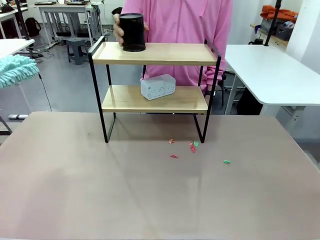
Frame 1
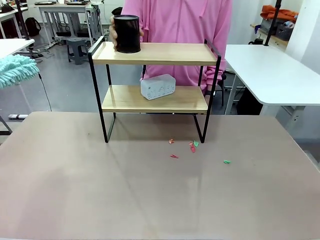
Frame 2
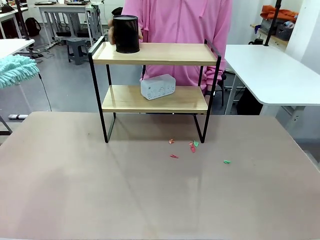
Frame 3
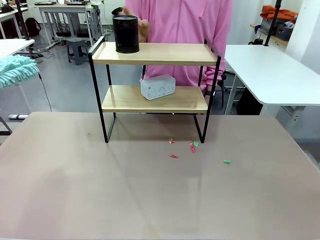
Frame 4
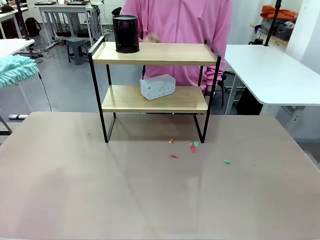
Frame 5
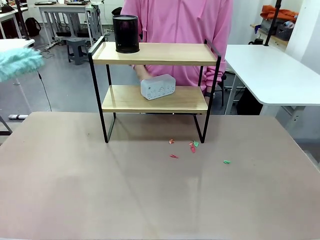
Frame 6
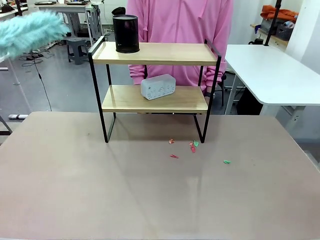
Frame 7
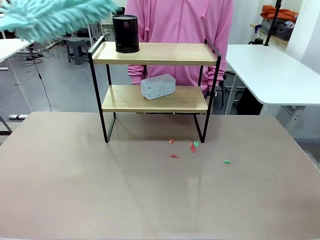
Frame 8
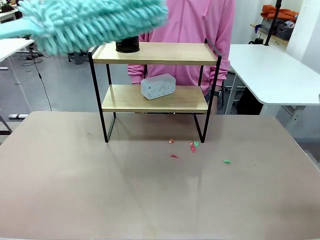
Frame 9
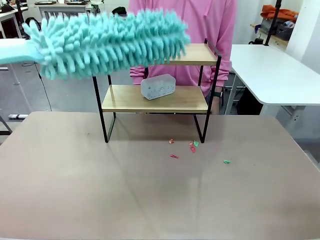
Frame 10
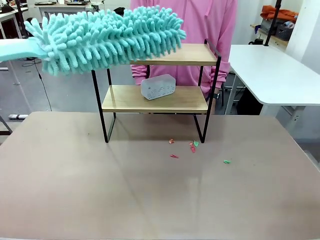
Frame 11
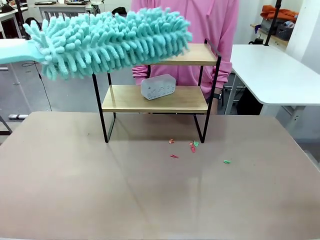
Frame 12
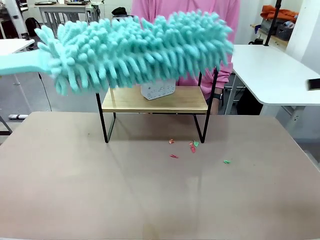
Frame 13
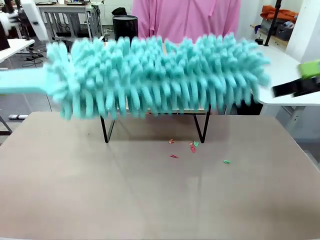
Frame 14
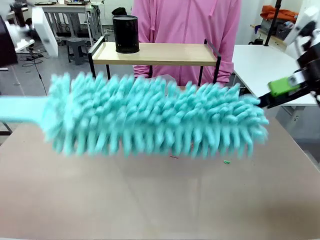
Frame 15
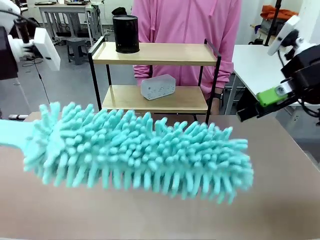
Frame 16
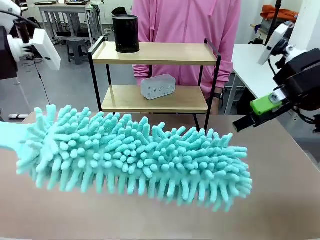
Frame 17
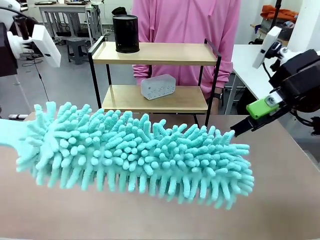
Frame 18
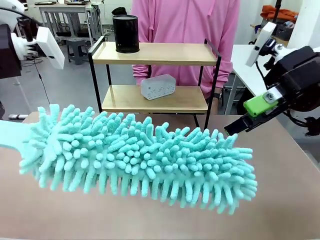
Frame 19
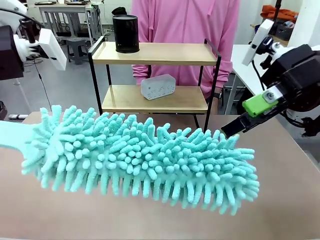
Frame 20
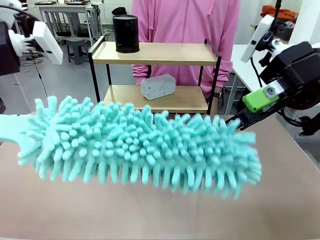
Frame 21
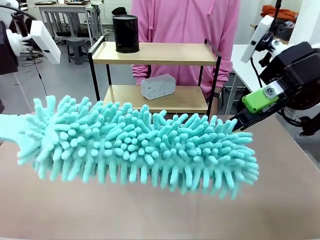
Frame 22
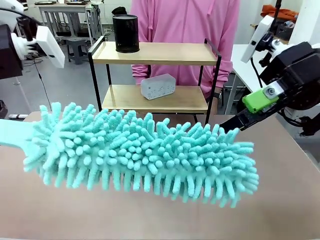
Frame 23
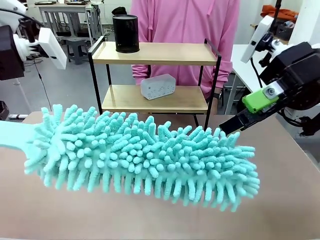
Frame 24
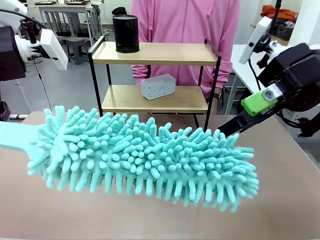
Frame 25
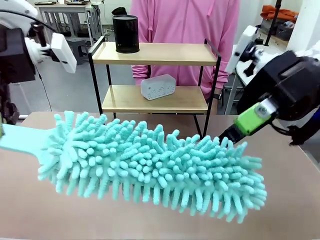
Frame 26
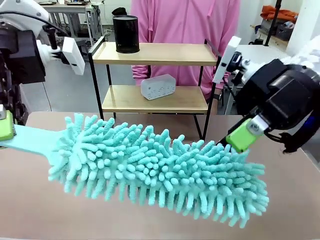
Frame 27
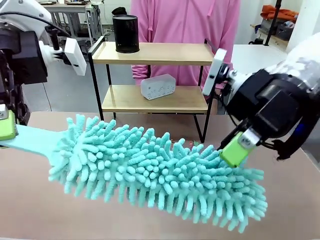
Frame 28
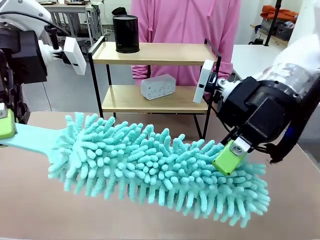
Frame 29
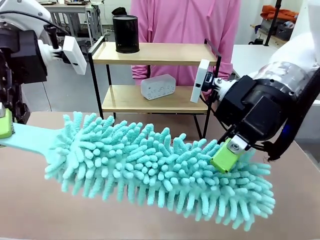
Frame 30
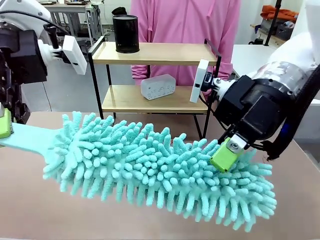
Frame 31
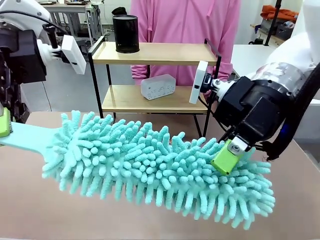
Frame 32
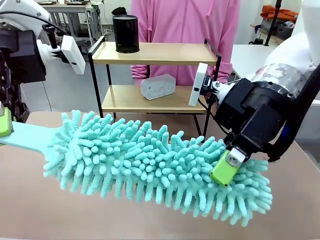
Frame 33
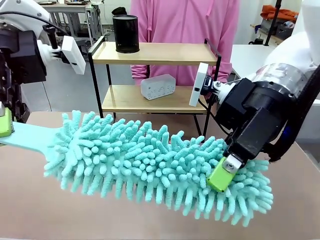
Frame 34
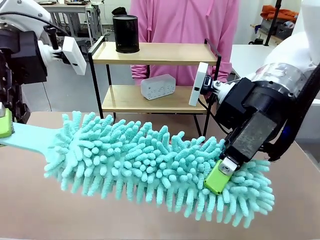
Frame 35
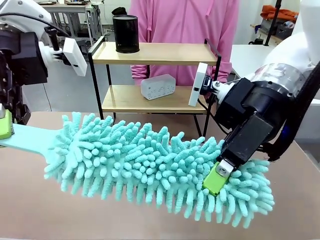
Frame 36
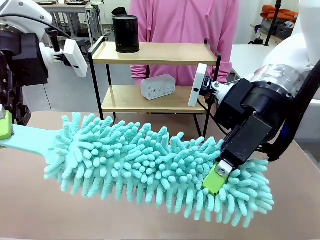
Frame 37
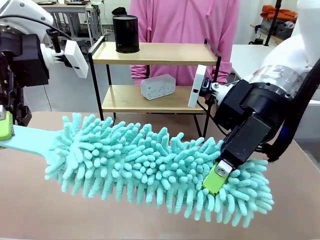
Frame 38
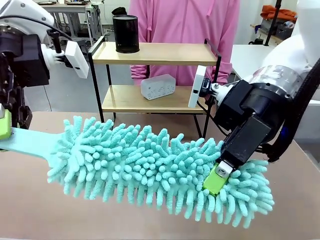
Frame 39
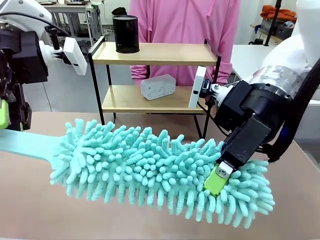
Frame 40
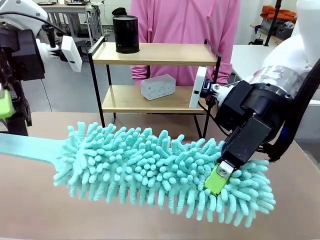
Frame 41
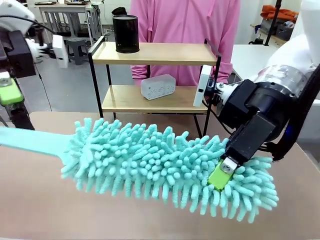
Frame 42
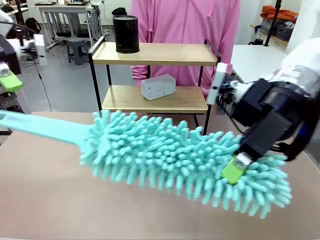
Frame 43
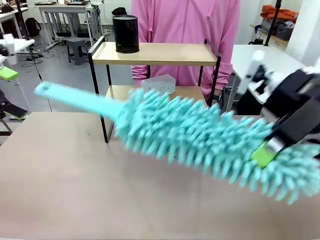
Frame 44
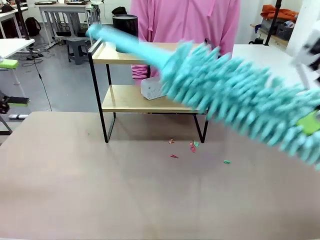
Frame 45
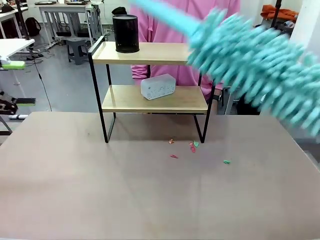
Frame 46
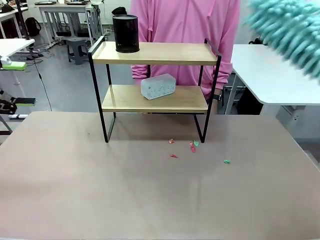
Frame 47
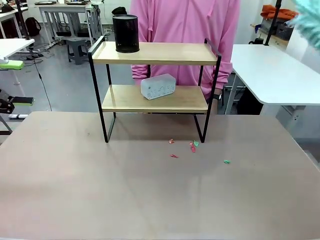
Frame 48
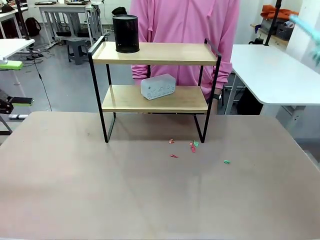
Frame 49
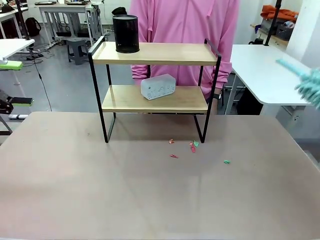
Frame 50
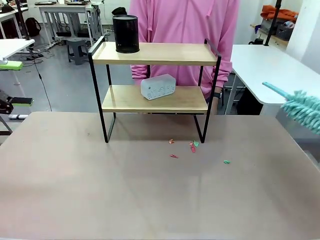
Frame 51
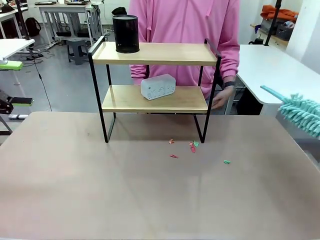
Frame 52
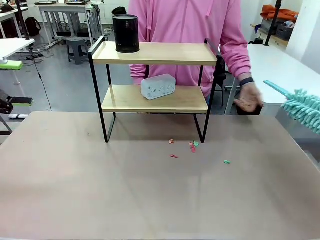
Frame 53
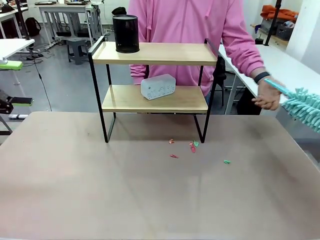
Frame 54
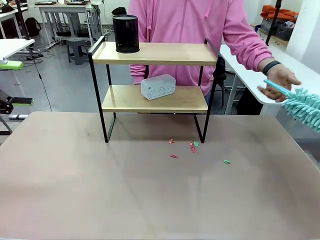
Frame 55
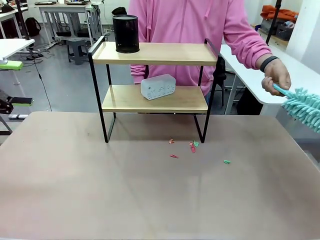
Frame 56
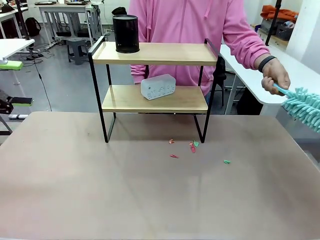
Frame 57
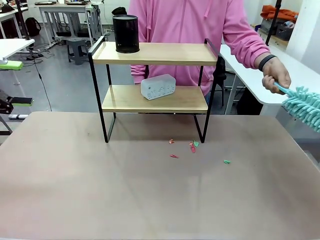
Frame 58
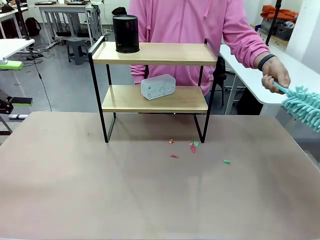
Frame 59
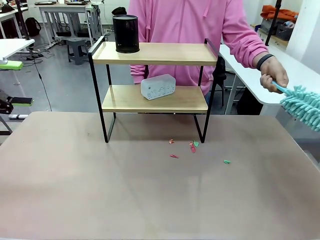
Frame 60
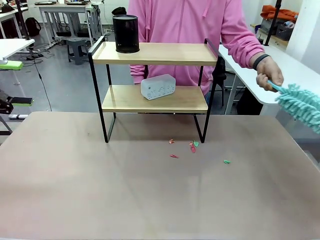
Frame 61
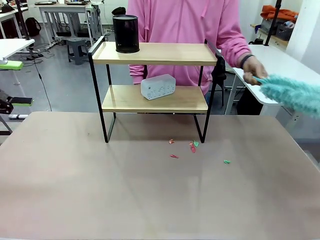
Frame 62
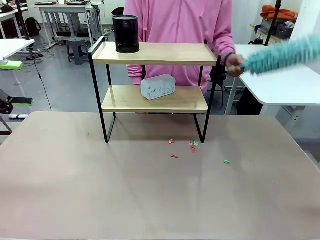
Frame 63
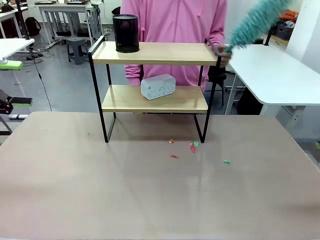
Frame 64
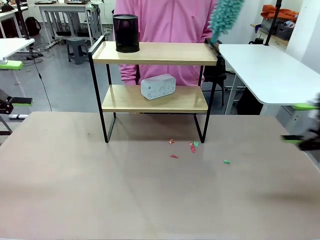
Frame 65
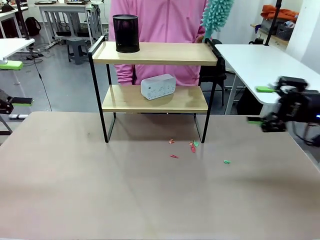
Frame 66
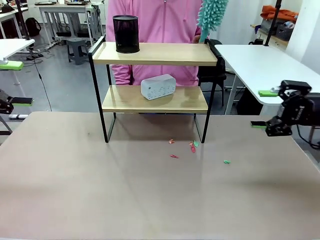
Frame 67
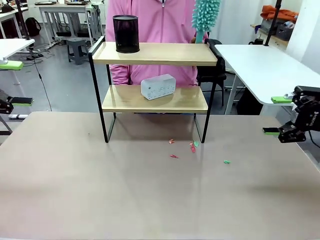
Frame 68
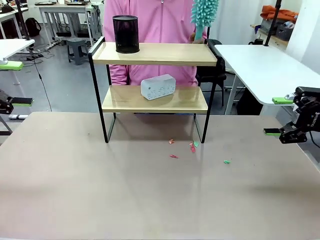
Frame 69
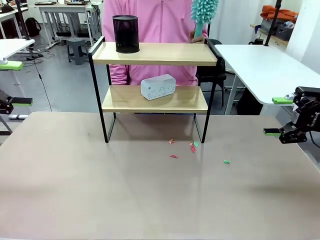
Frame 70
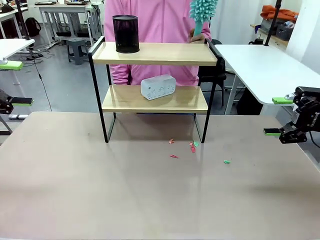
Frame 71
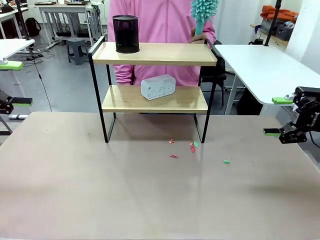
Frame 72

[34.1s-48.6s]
Task: Clean the shelf.
Robot: Hand the Duster back to the human.
Person: Receive the Duster from the robot.
